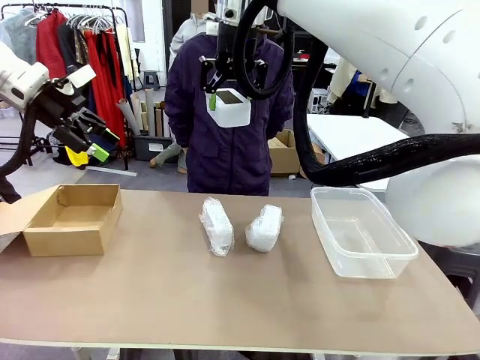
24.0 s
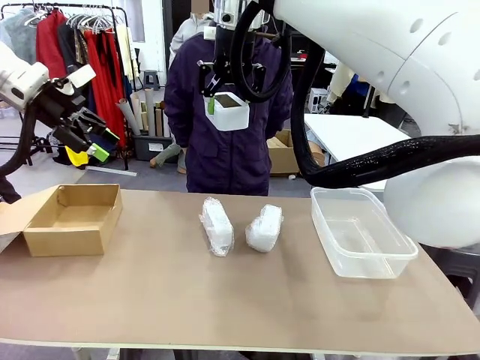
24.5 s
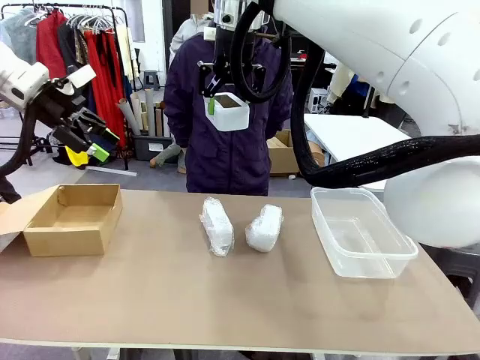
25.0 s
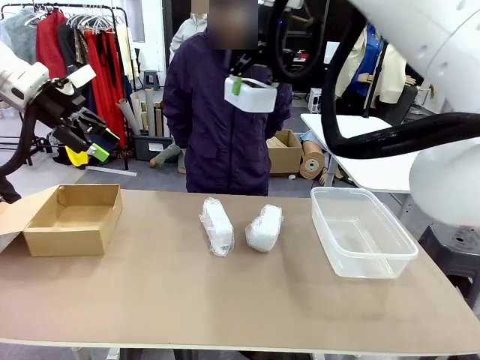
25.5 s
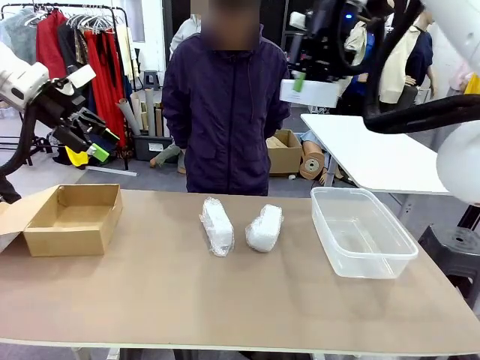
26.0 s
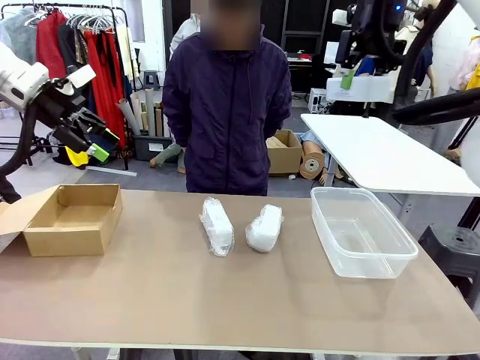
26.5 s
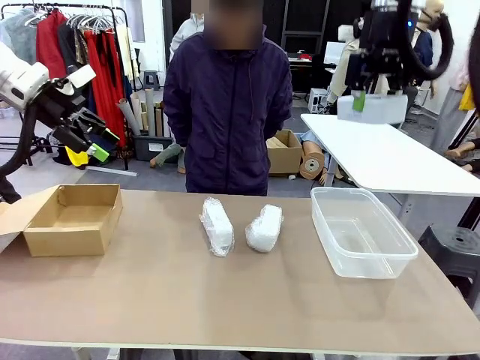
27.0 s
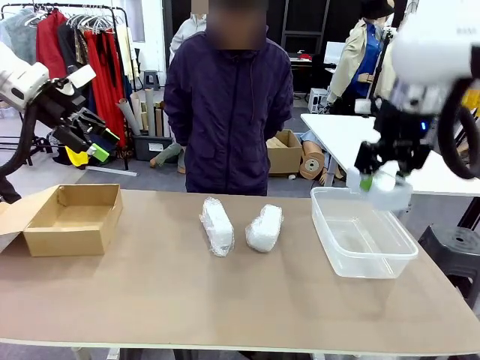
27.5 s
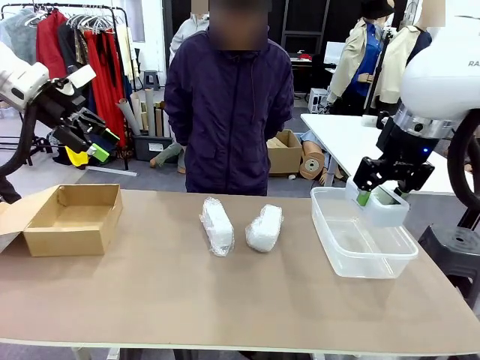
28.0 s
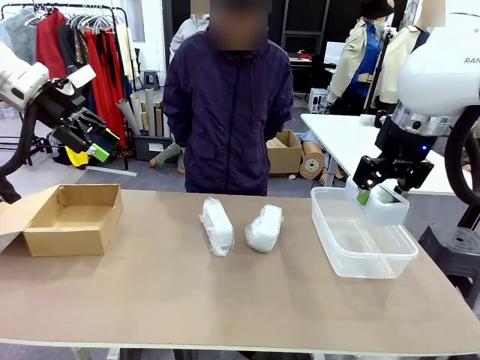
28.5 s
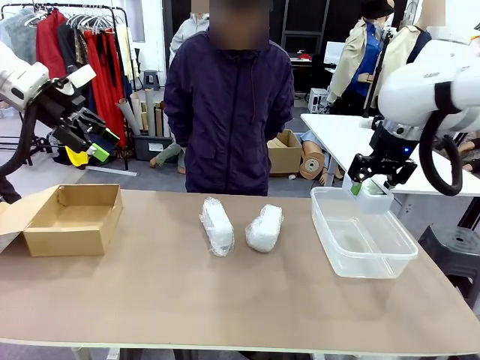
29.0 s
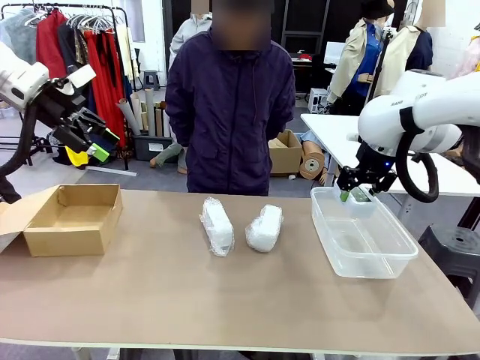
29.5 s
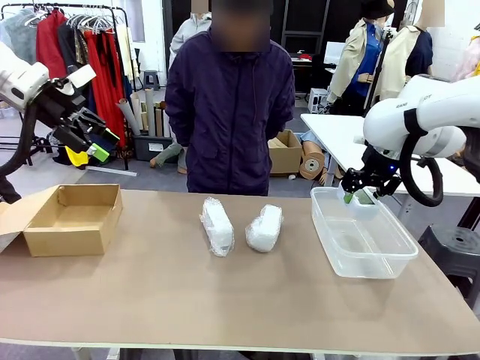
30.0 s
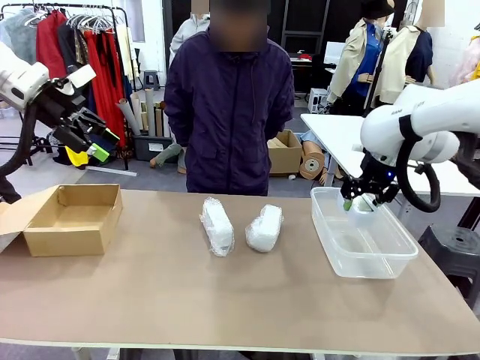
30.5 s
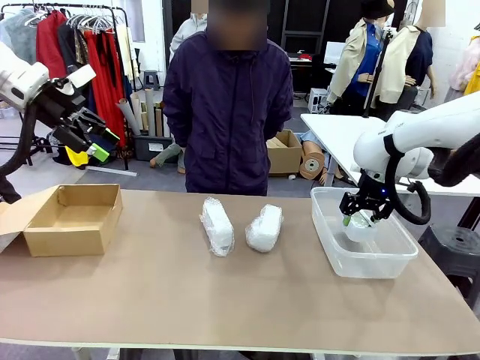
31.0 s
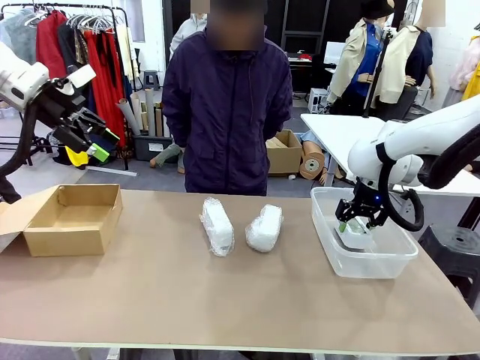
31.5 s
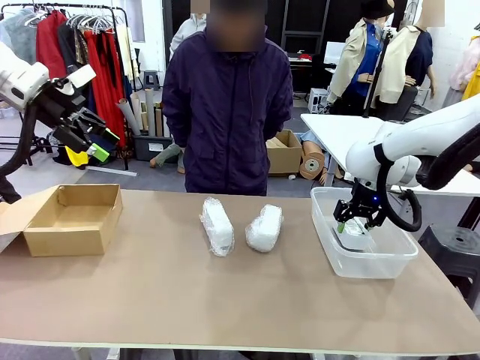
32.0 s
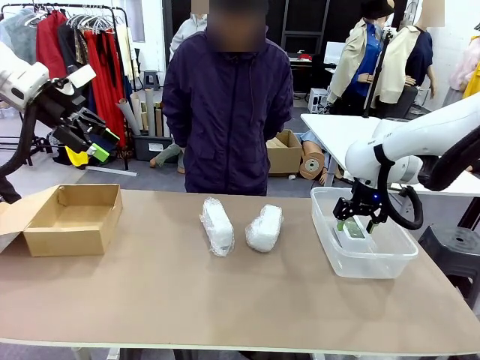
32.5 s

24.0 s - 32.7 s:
Task: Separate and place wrapped and unwrapped clocks.
Robot: If the picked Digital clock is wrapped, place it in the Package Box ; if not, place it in the Organizing box.

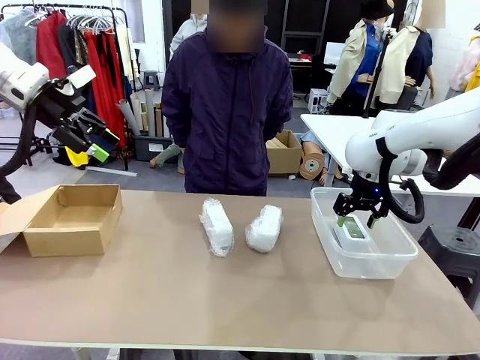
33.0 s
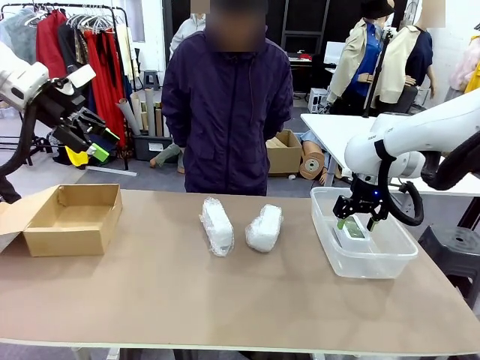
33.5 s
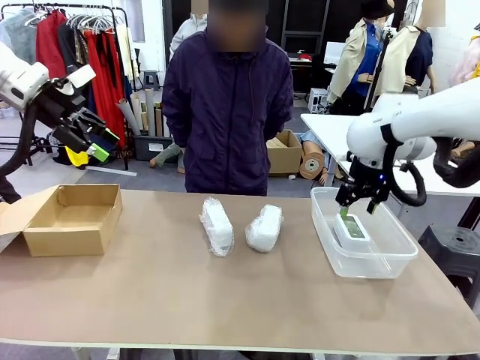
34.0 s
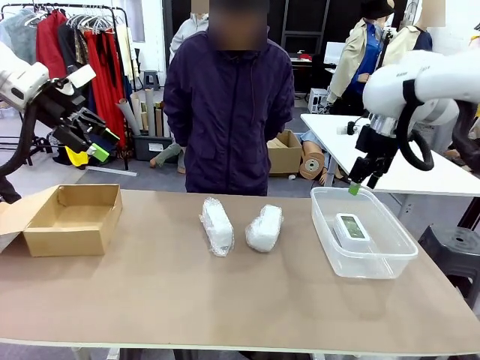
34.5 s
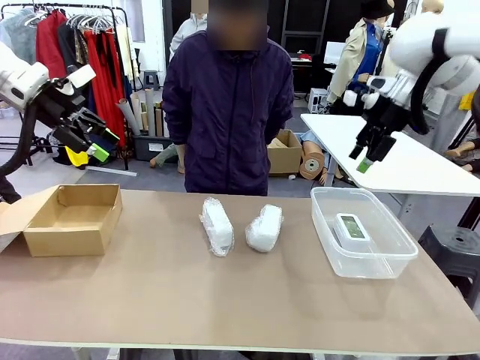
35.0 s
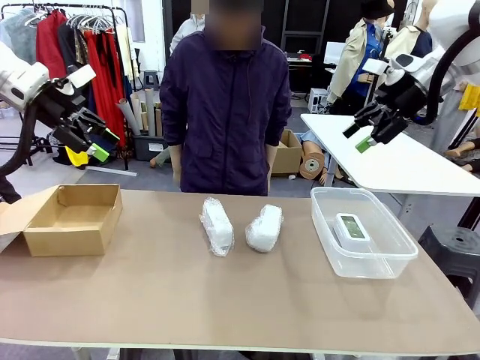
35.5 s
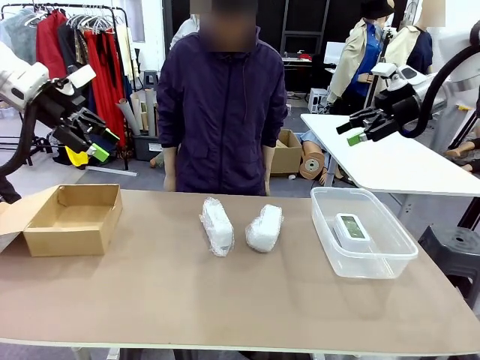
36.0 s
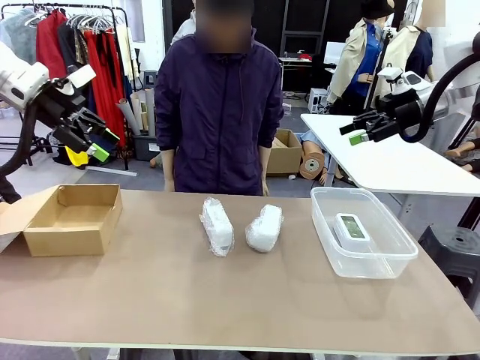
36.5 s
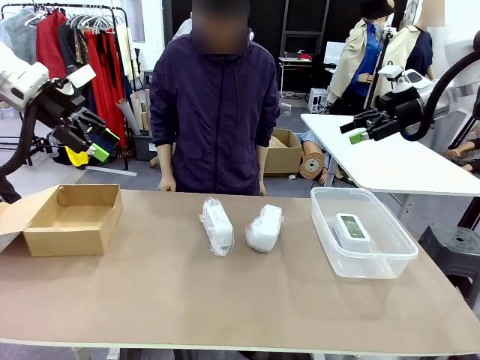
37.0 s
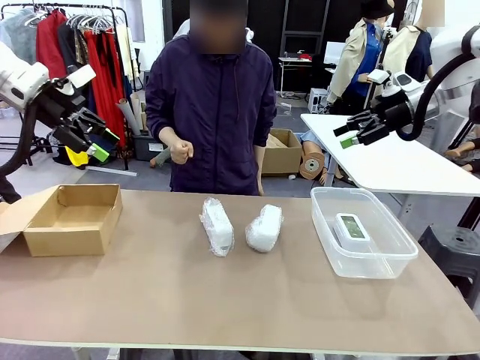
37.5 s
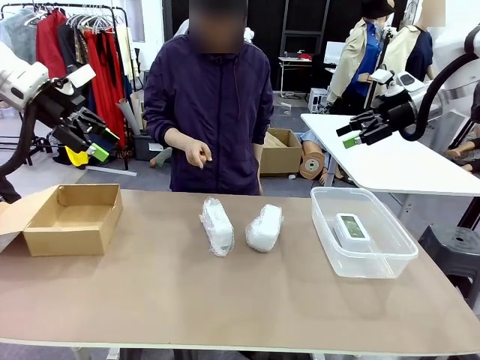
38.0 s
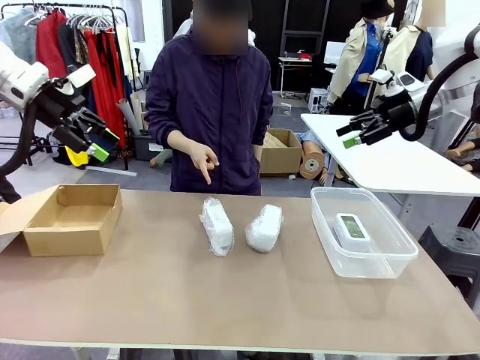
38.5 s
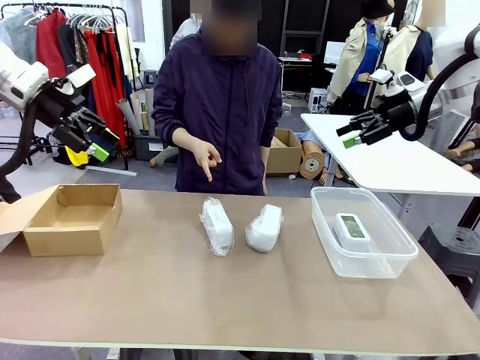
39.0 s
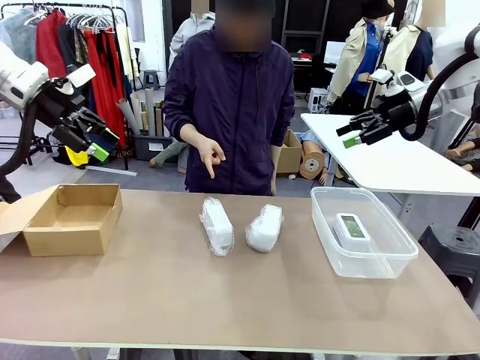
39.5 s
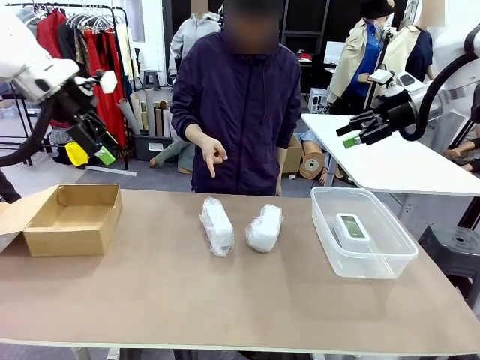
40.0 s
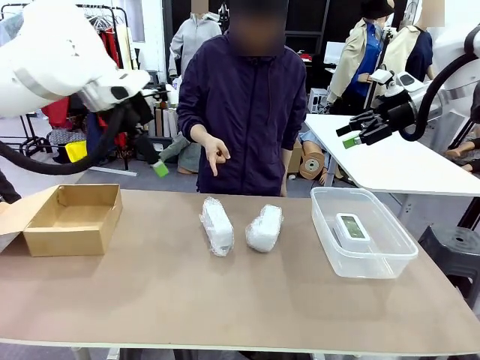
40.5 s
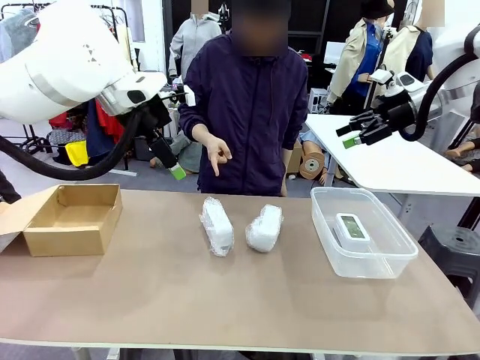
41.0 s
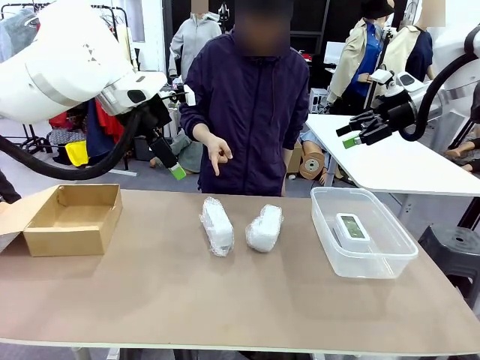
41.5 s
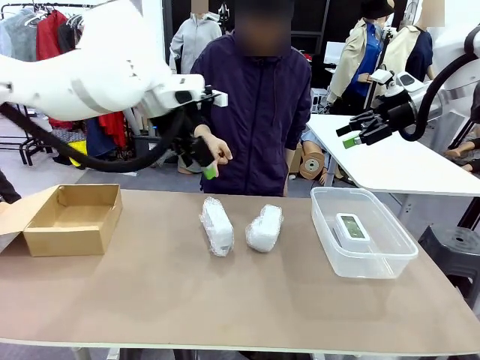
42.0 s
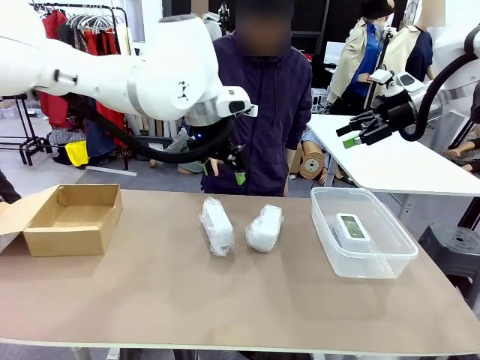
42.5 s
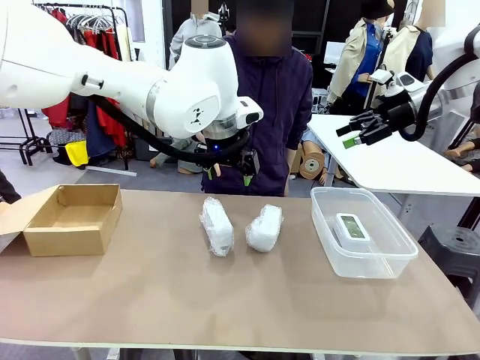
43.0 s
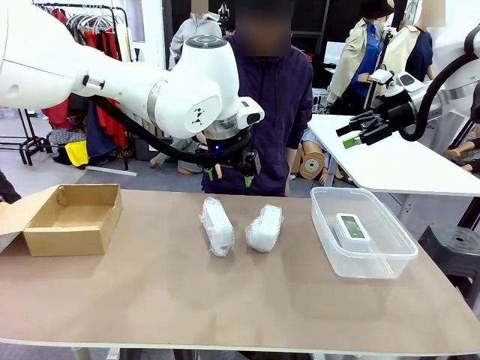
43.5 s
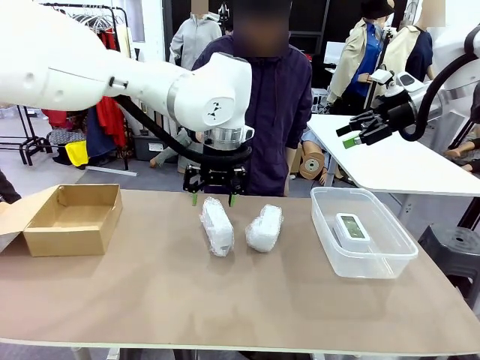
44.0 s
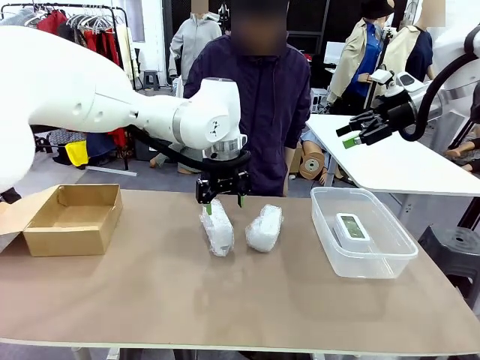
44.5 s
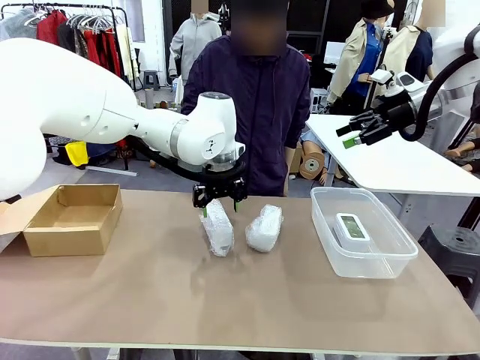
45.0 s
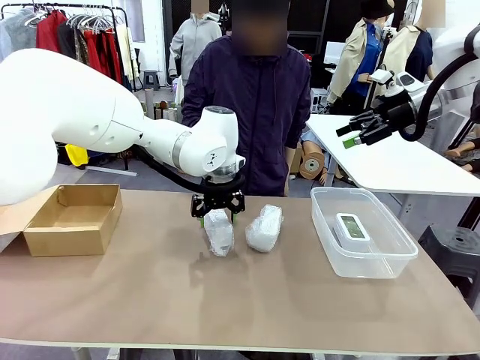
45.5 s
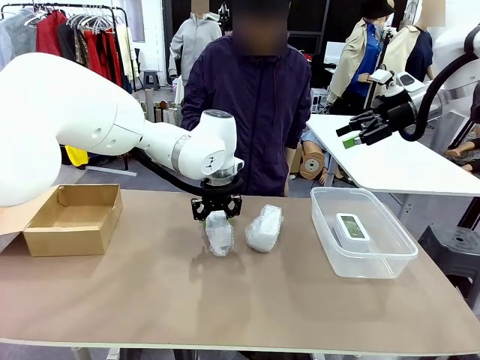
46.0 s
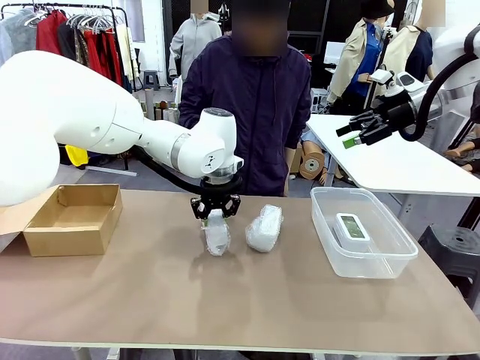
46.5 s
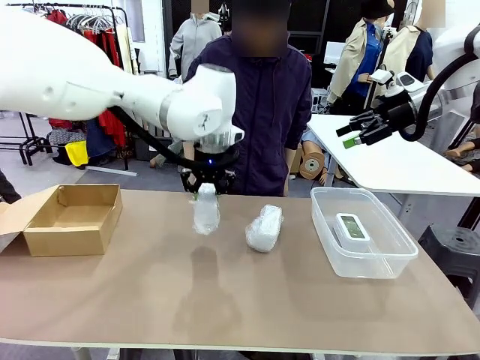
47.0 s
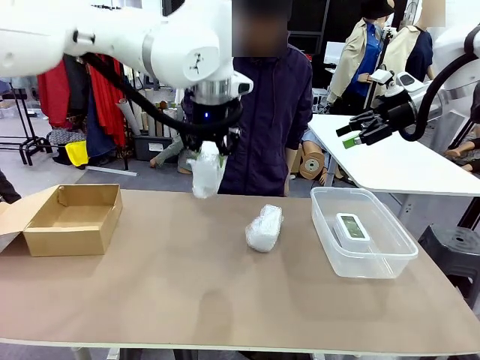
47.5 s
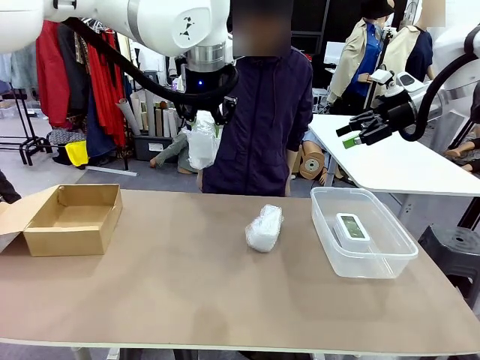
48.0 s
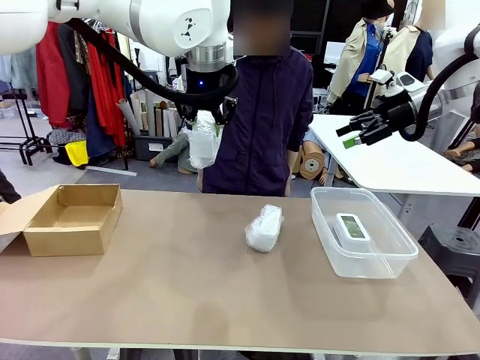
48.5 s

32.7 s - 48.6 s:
Robot: Pick up the Digital clock indicated by the person.
